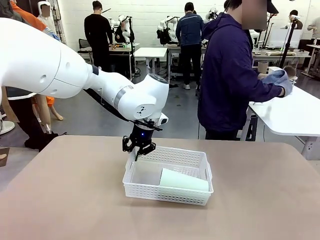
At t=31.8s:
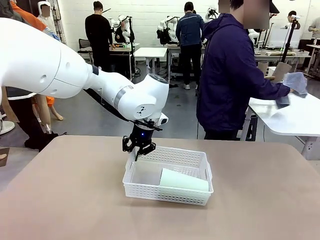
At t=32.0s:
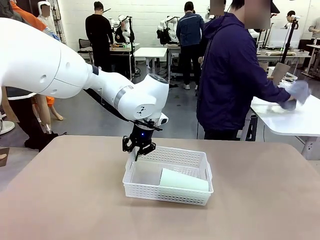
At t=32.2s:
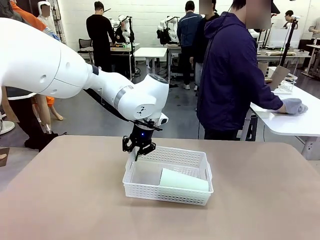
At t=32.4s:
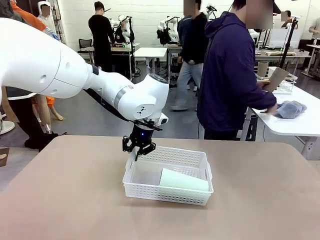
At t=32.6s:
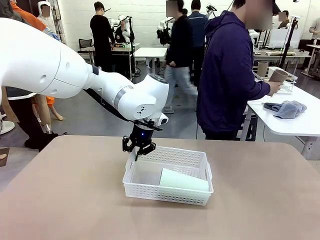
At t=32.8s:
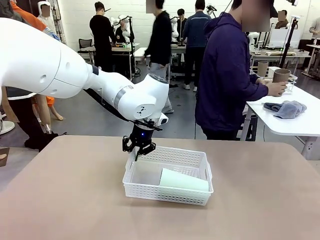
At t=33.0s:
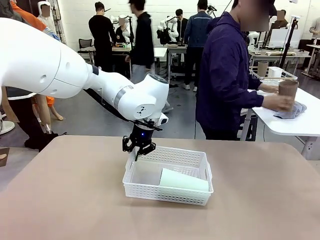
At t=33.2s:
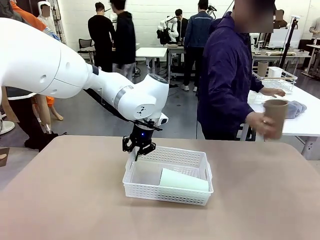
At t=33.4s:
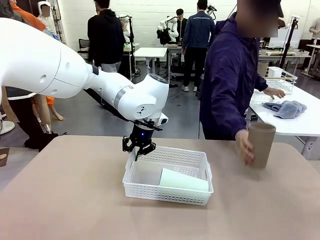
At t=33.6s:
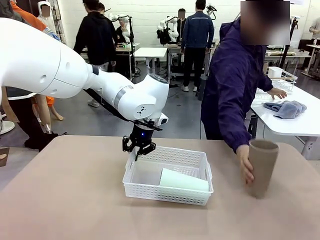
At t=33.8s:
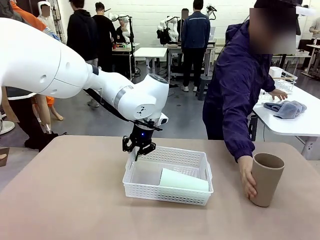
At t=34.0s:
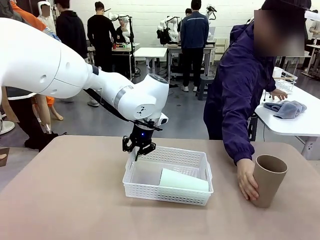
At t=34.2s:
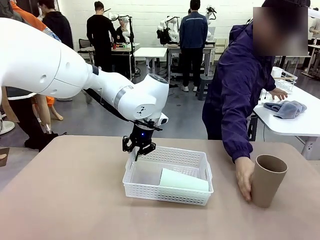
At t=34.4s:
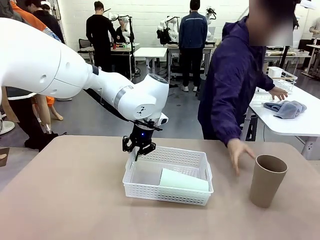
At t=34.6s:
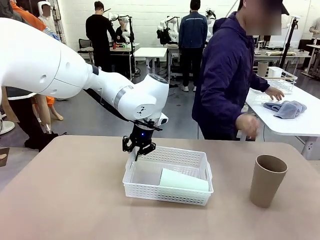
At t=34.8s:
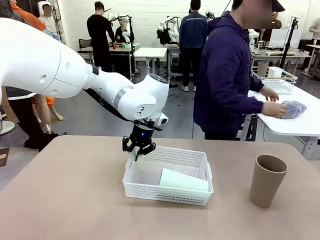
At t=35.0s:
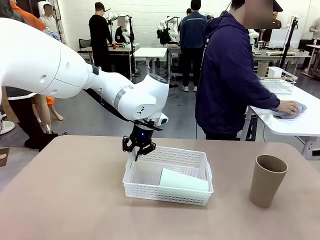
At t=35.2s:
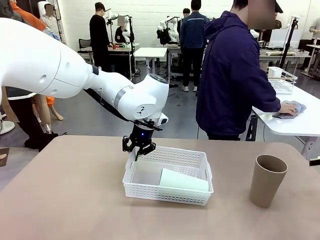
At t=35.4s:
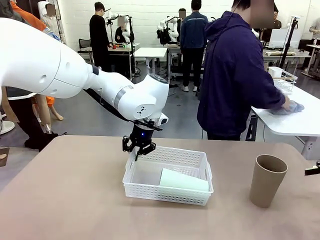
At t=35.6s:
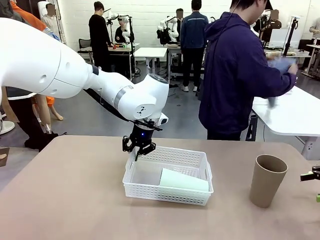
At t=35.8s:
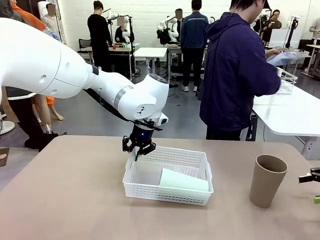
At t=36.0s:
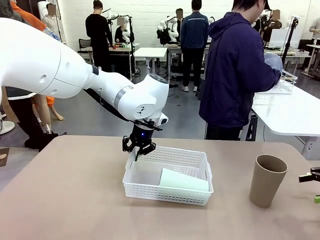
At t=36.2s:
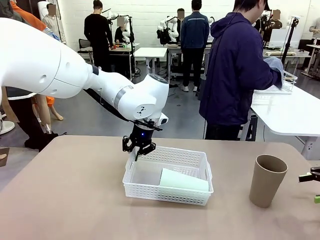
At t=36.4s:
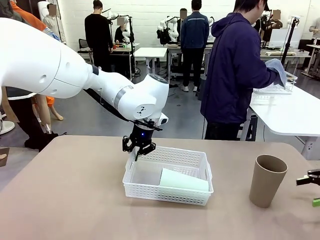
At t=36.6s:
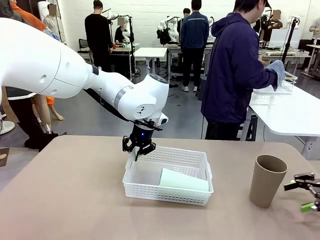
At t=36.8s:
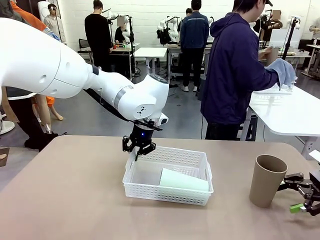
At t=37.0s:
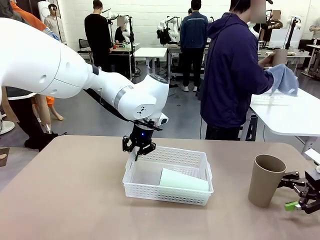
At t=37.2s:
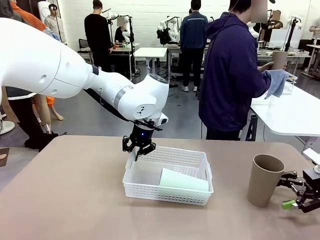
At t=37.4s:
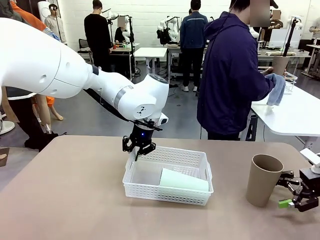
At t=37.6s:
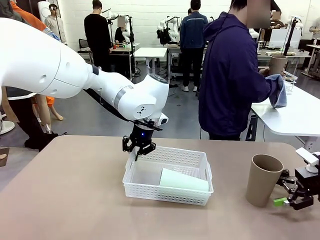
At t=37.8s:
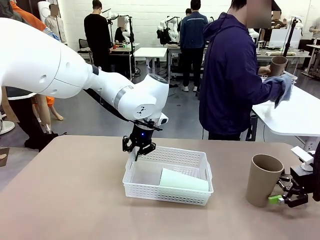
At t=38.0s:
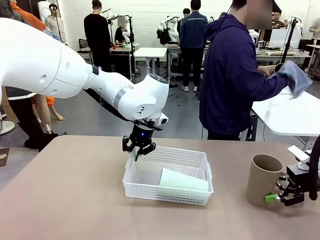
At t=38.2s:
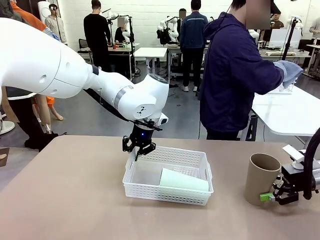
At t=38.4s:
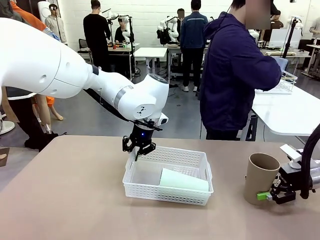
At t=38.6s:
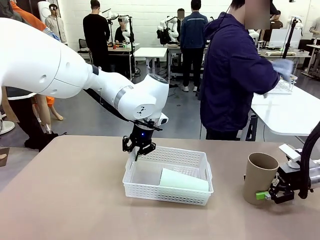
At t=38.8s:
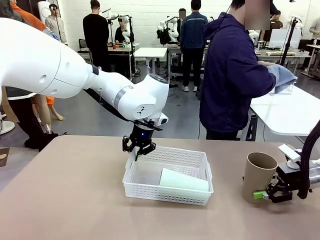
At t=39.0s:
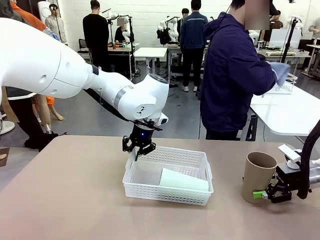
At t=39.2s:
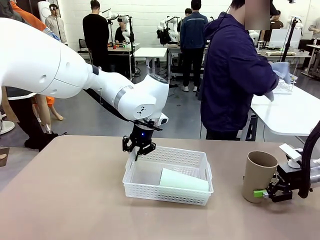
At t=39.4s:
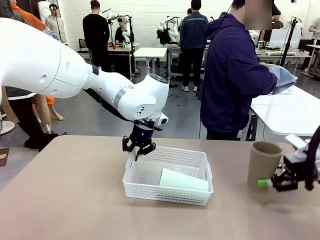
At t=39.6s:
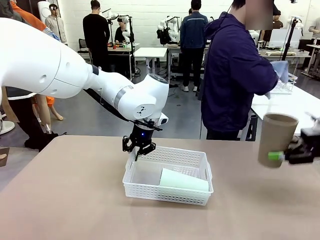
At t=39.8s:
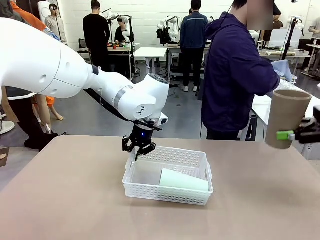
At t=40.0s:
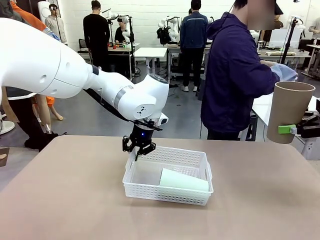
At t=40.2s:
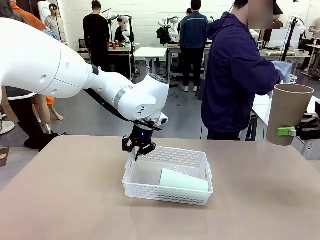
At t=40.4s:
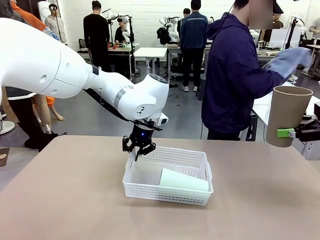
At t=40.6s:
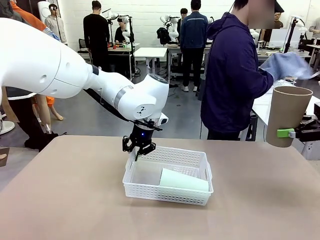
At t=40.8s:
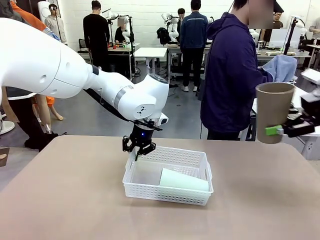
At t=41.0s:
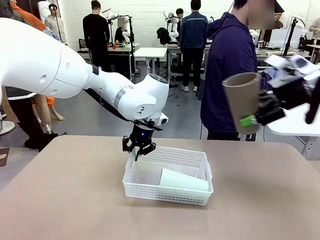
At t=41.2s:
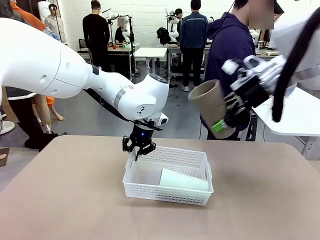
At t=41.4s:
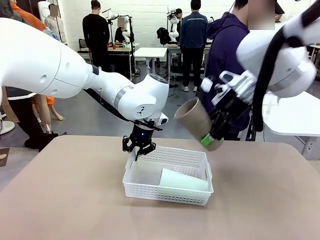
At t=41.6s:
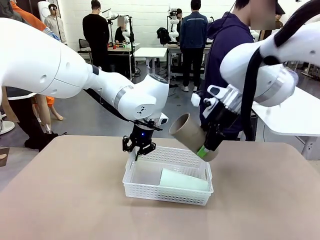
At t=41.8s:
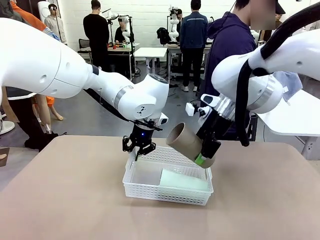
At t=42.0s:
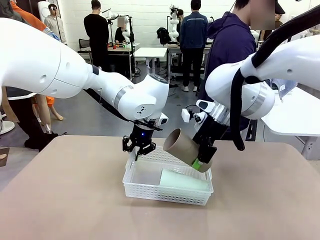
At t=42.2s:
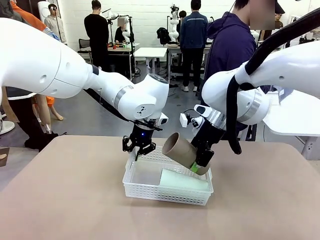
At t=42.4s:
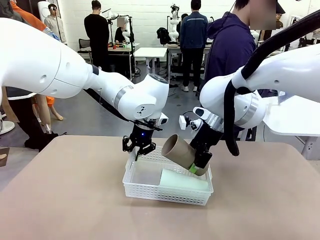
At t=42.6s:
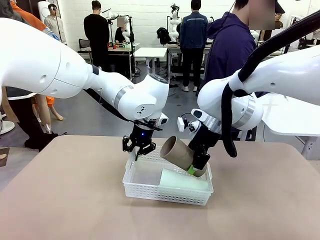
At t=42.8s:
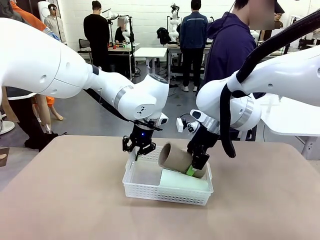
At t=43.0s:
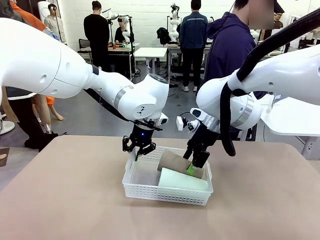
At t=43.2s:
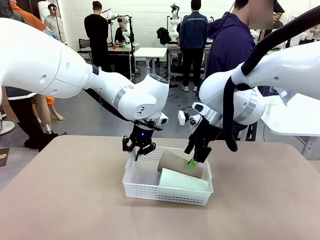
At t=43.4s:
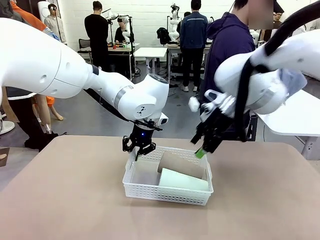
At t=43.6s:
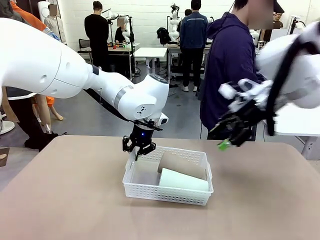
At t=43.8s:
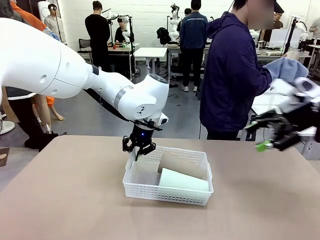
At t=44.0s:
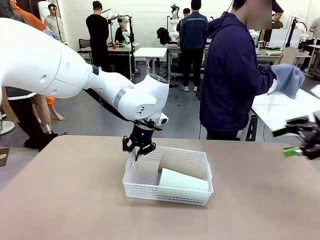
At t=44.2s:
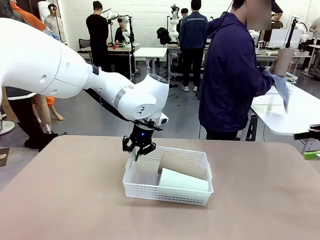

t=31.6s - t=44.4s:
Task: Clean and organize the cups into the basket.
Robot: Pick up the Reusable plastic cup from the right side of the table and stack it inside the Organizing basket in the center of the table.
